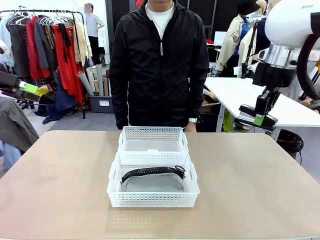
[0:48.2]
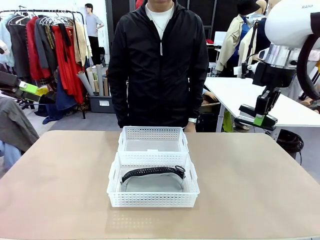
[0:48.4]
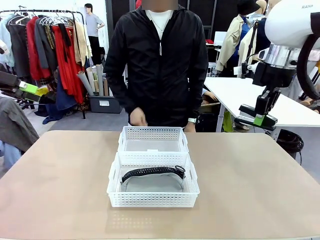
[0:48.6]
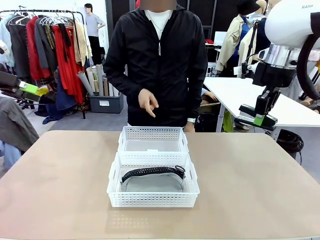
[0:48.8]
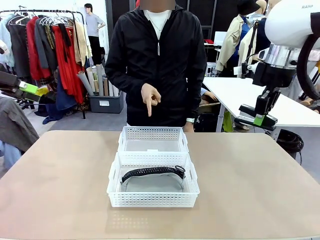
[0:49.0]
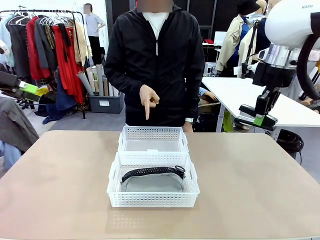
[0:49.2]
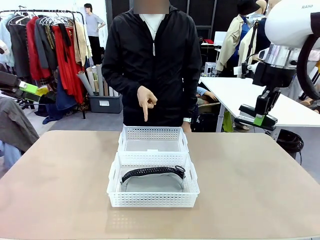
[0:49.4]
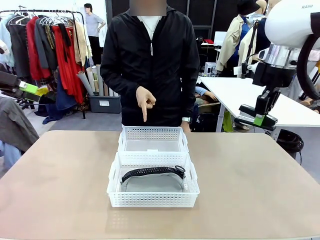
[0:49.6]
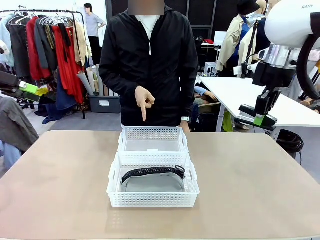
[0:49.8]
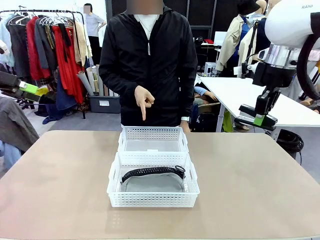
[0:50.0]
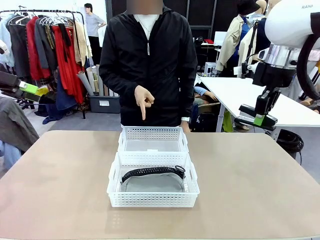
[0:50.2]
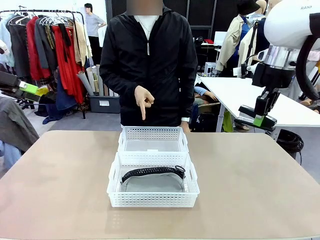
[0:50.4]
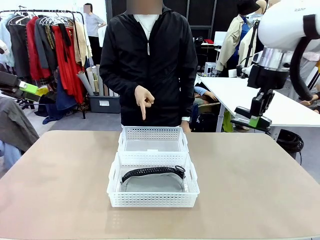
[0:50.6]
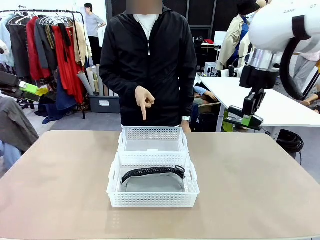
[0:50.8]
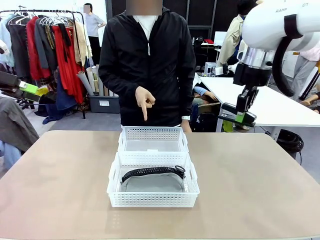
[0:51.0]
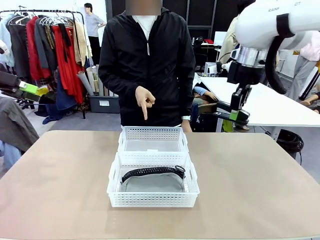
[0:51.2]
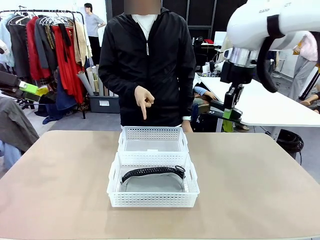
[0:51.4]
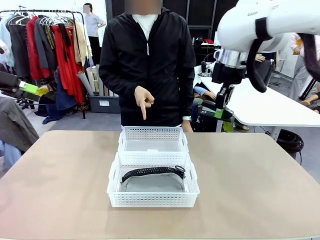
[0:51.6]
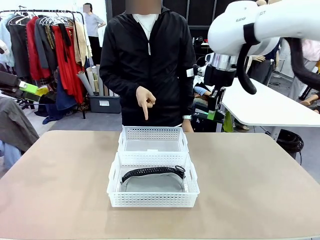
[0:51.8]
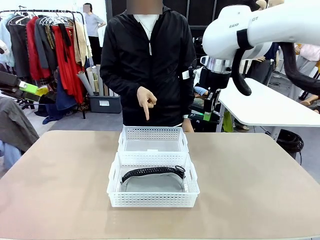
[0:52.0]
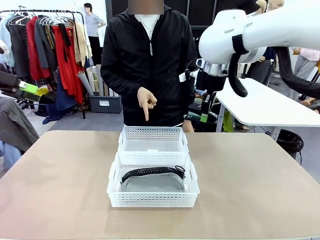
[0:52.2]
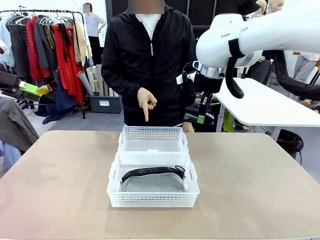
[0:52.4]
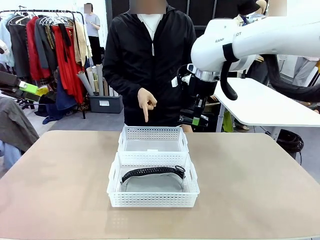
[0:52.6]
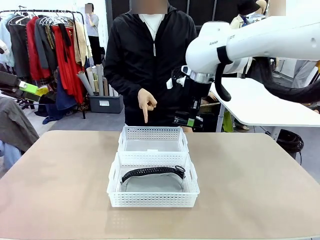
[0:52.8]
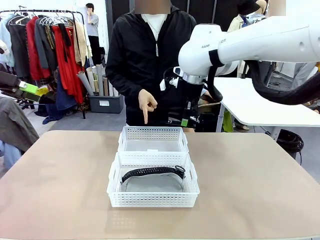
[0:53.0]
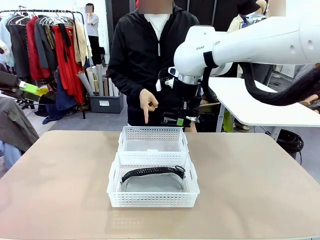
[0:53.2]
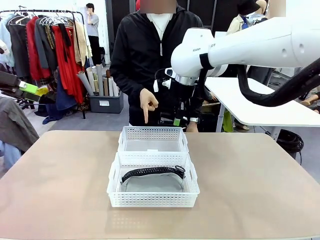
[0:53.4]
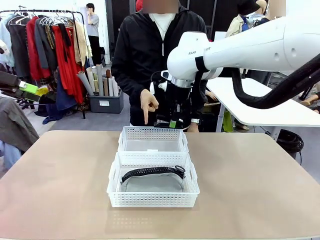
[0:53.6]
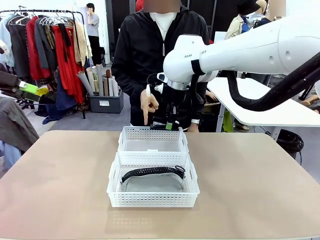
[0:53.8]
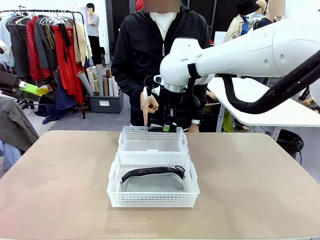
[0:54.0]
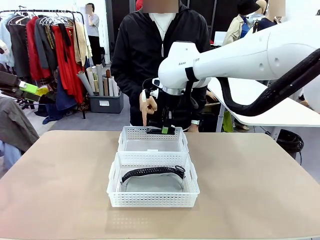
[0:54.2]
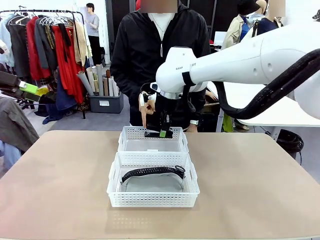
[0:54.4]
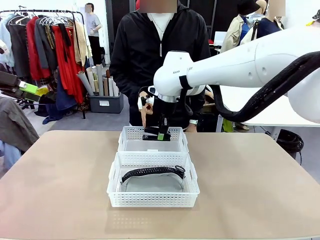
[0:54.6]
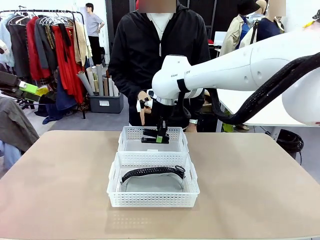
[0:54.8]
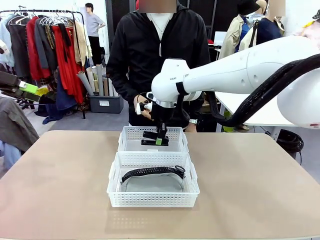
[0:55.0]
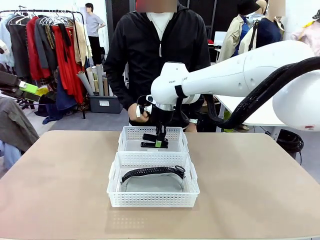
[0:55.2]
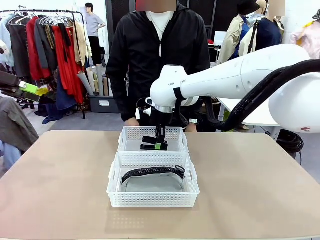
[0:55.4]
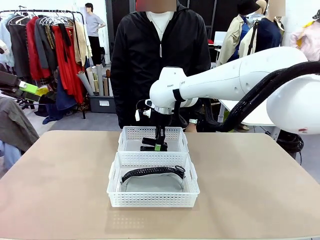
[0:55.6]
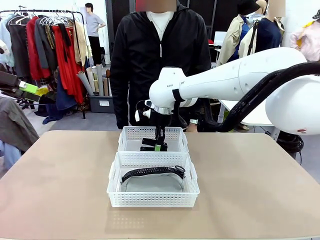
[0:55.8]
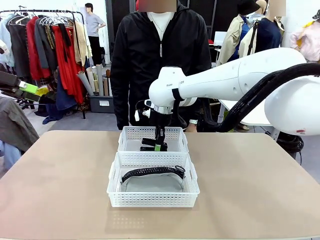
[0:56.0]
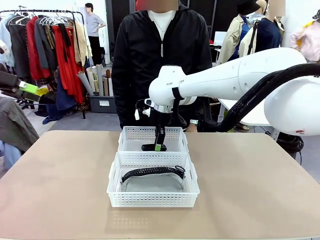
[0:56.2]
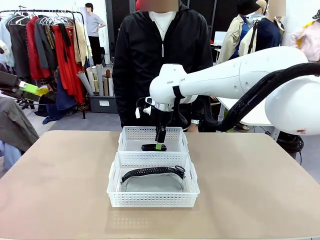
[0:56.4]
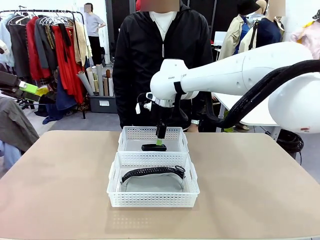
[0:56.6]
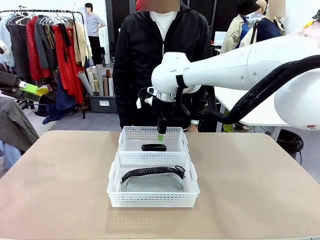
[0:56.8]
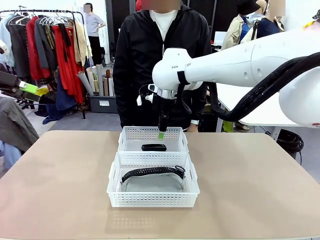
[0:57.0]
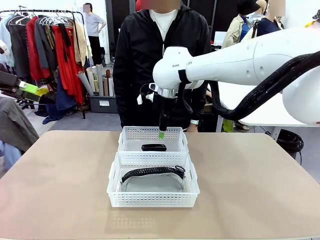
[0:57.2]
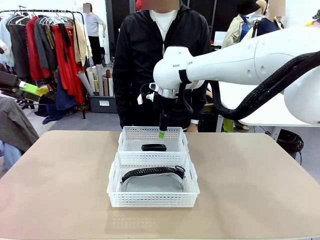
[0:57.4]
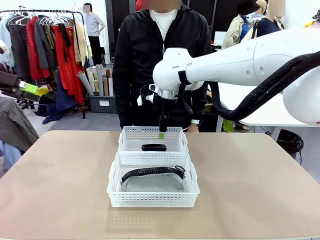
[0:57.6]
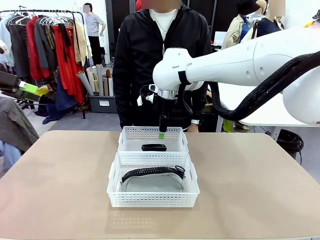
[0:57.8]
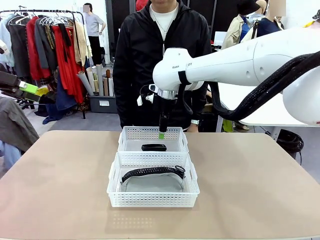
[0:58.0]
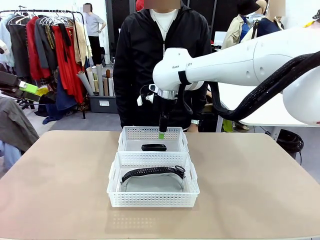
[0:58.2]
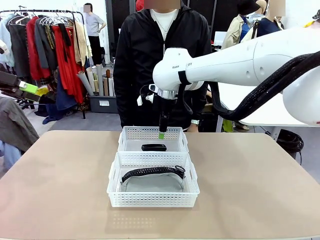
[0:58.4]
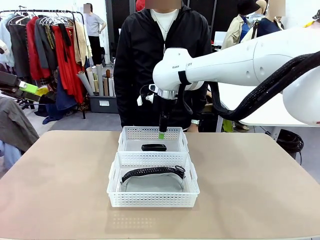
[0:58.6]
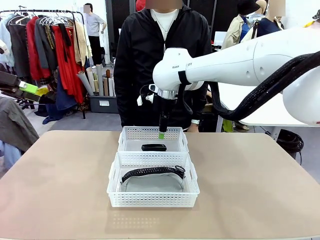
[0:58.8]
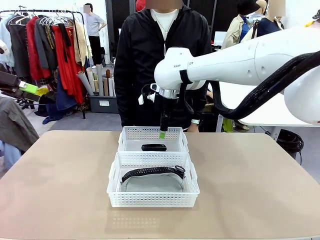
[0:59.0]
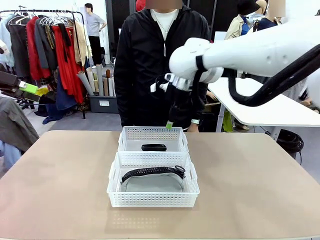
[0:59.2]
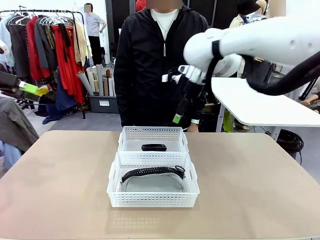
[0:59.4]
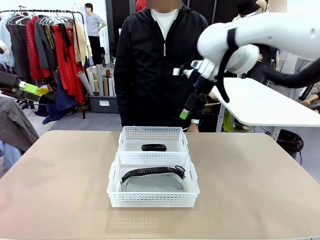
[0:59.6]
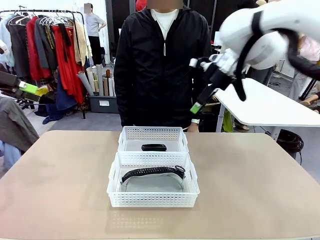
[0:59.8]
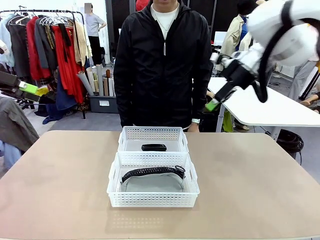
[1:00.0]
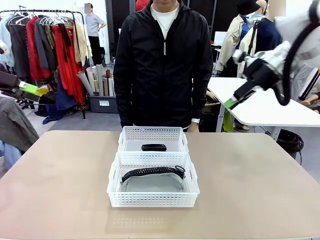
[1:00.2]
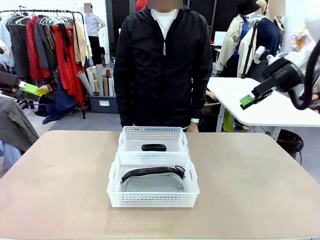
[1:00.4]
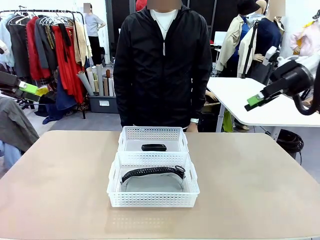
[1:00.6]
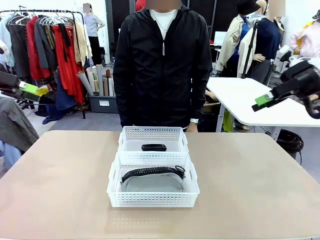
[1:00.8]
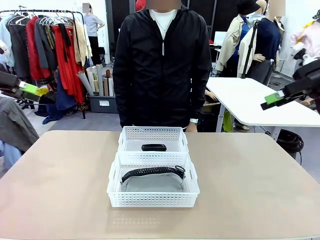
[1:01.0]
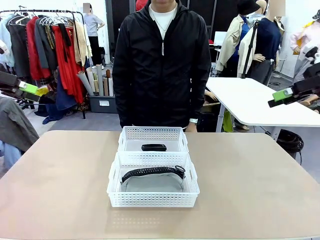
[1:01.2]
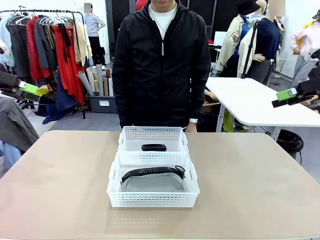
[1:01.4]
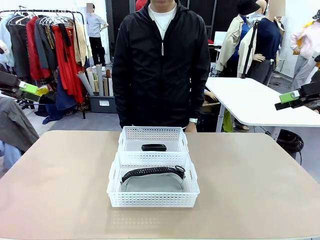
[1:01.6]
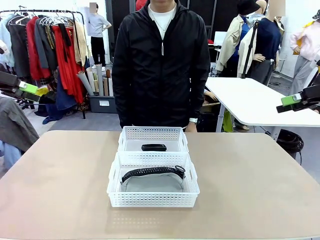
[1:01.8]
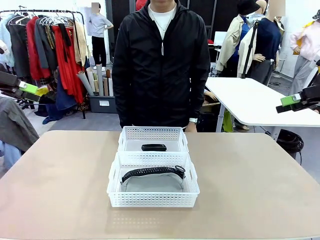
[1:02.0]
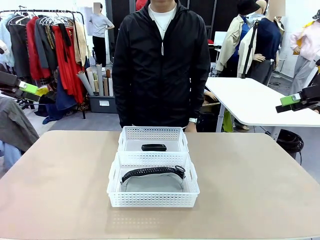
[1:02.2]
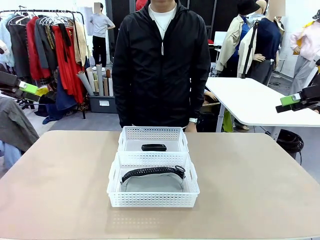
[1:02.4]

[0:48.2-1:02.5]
Task: Distribute items into two baskets.
Robot: Place the picked Stapler into the Organizing basket as instructed by the person.
Person: Points to the basket that does not contain the pencil case and instructs the robot to move the stapler there.
